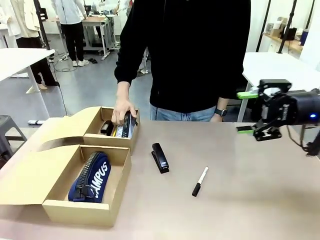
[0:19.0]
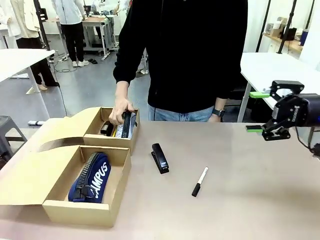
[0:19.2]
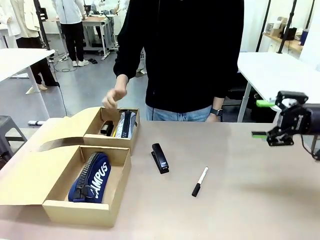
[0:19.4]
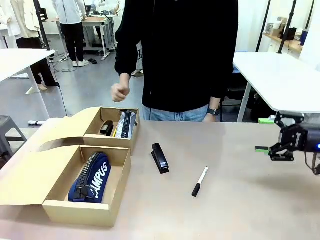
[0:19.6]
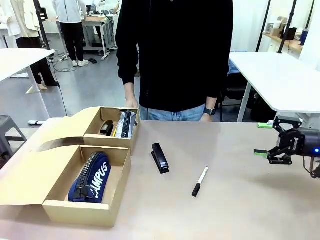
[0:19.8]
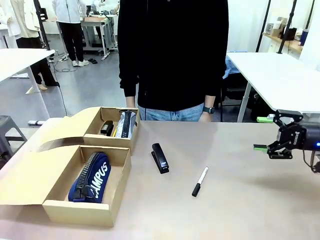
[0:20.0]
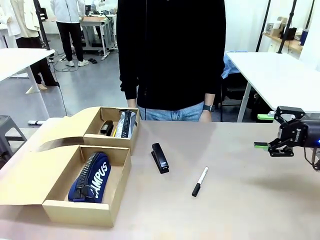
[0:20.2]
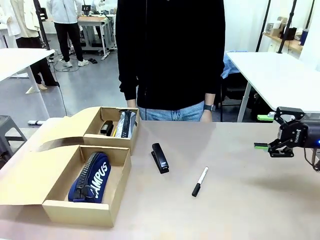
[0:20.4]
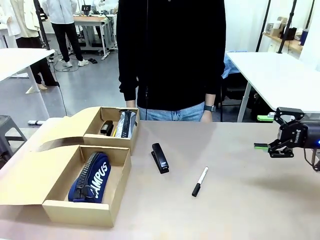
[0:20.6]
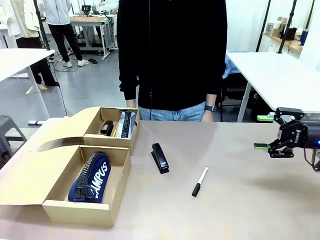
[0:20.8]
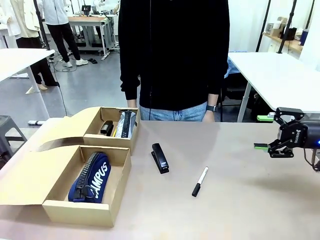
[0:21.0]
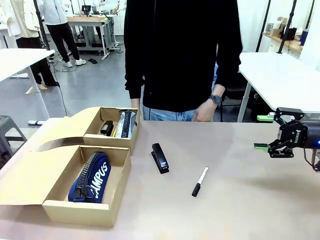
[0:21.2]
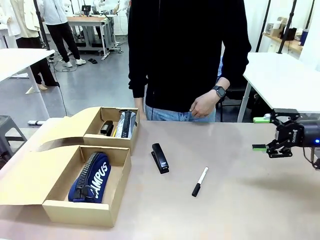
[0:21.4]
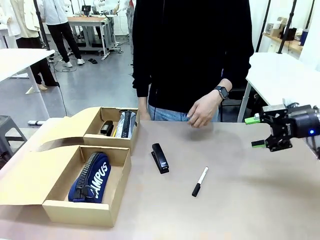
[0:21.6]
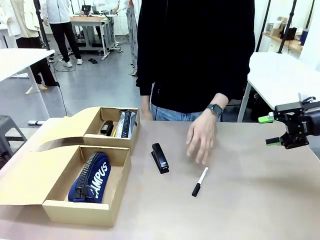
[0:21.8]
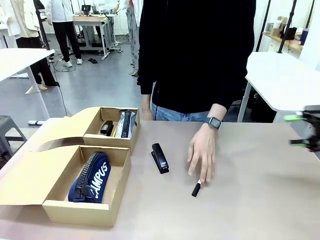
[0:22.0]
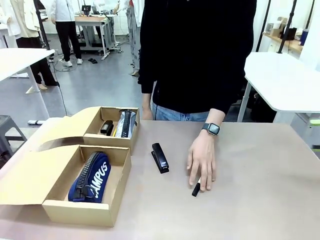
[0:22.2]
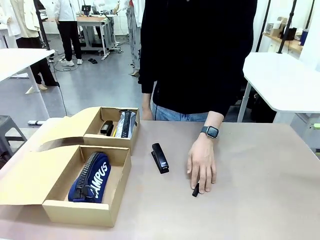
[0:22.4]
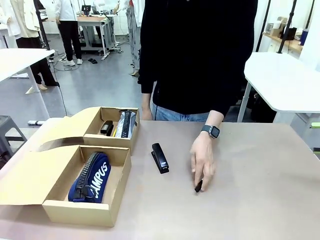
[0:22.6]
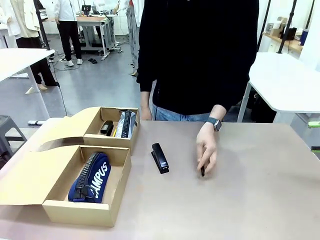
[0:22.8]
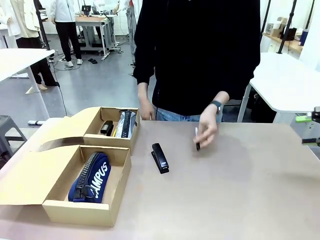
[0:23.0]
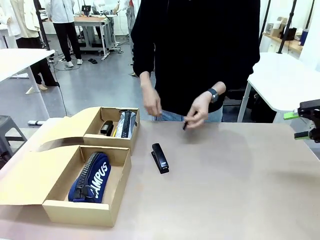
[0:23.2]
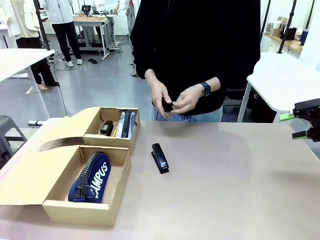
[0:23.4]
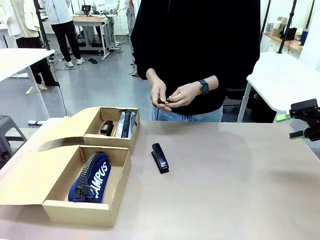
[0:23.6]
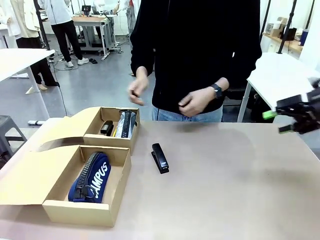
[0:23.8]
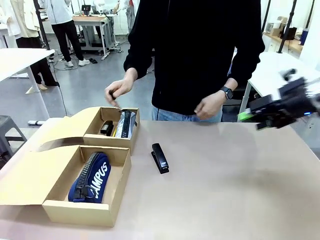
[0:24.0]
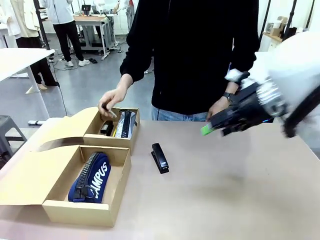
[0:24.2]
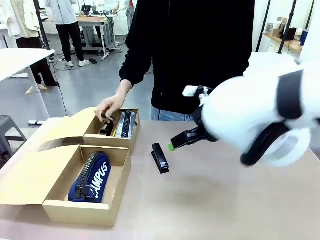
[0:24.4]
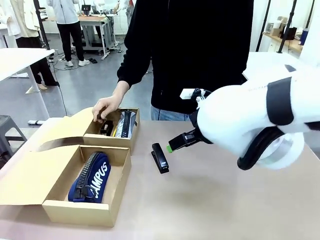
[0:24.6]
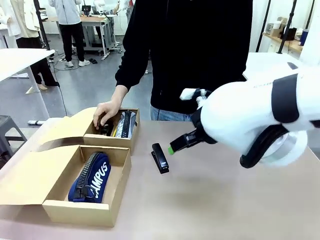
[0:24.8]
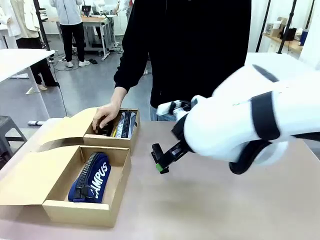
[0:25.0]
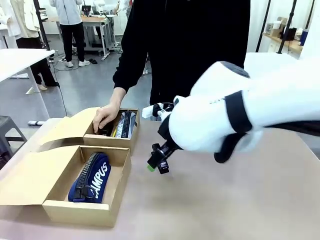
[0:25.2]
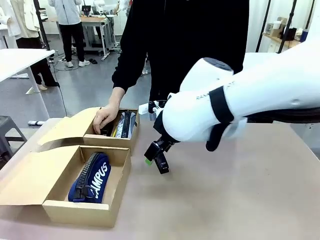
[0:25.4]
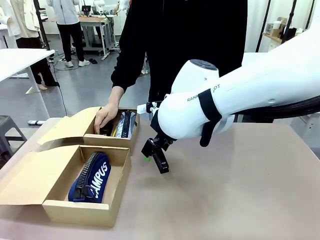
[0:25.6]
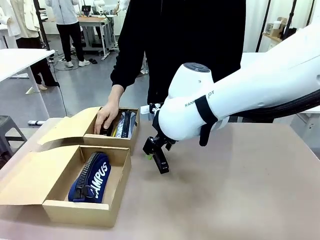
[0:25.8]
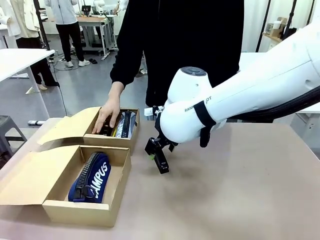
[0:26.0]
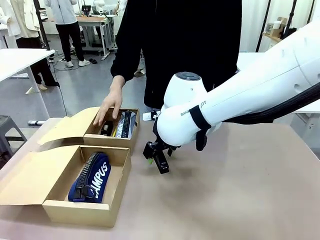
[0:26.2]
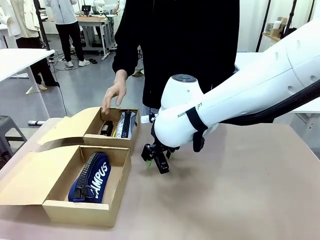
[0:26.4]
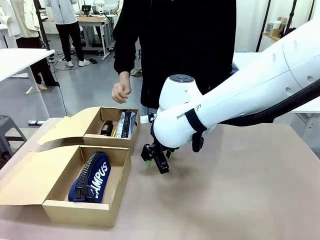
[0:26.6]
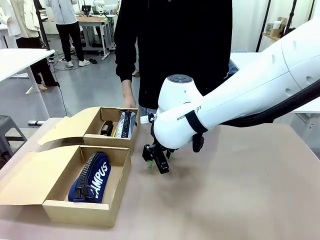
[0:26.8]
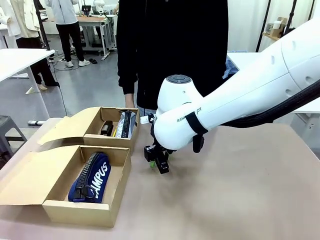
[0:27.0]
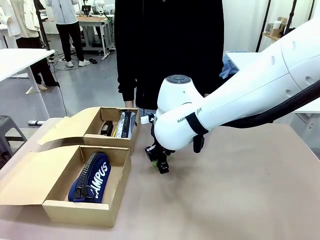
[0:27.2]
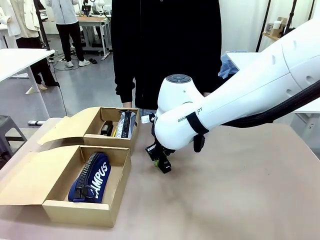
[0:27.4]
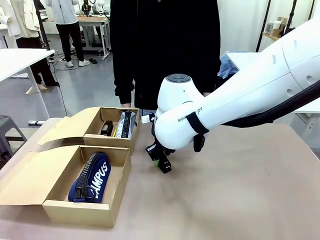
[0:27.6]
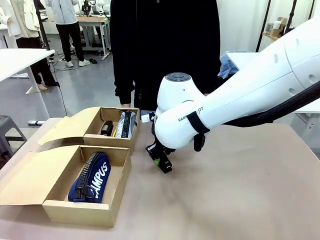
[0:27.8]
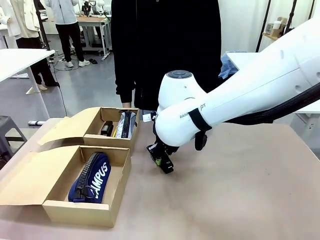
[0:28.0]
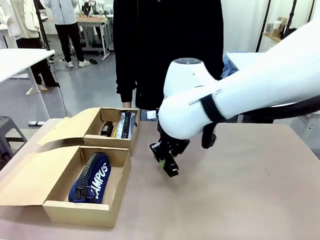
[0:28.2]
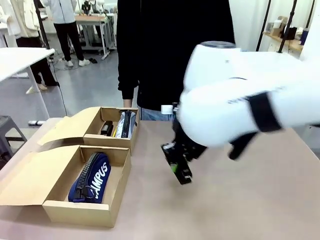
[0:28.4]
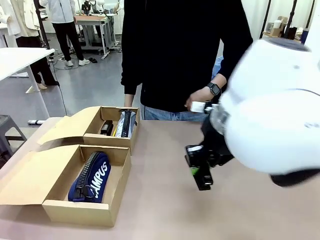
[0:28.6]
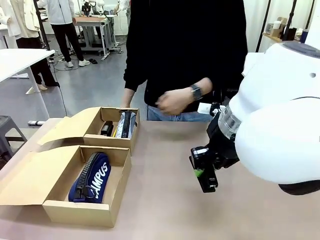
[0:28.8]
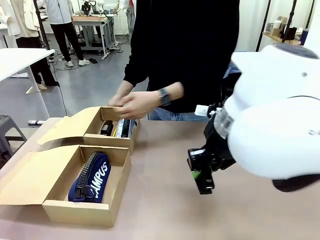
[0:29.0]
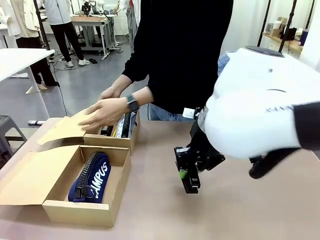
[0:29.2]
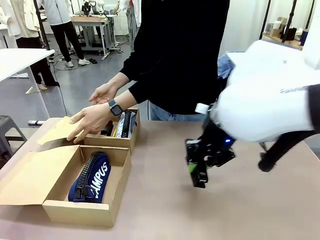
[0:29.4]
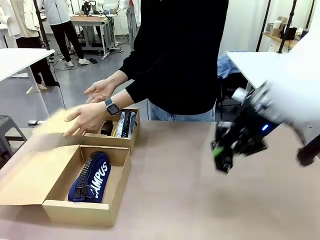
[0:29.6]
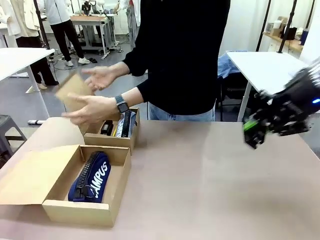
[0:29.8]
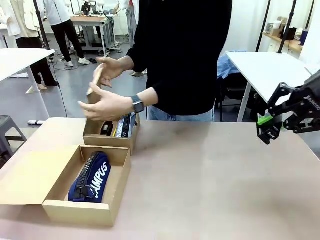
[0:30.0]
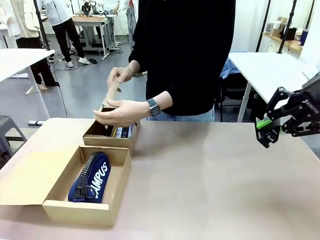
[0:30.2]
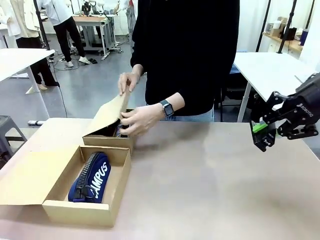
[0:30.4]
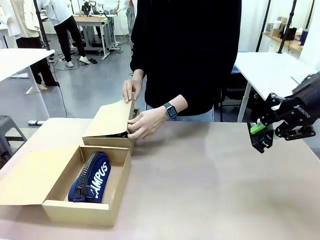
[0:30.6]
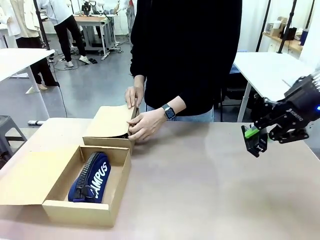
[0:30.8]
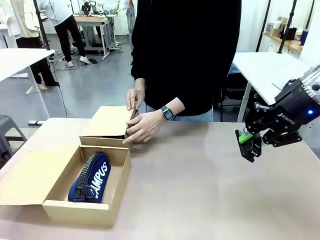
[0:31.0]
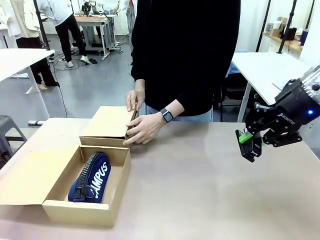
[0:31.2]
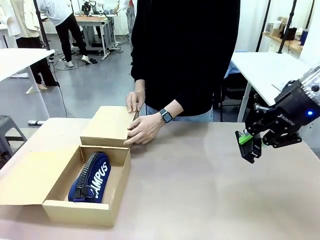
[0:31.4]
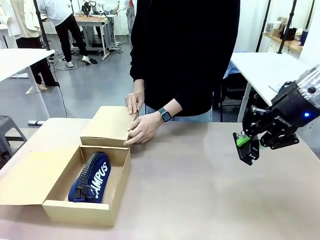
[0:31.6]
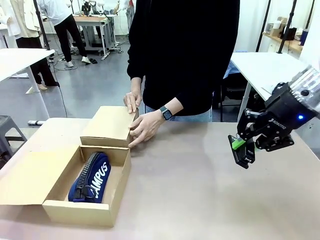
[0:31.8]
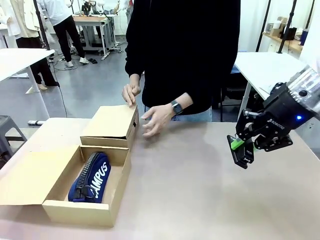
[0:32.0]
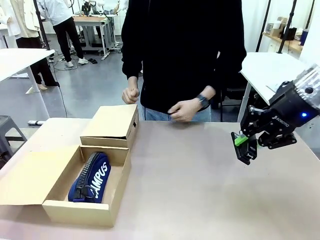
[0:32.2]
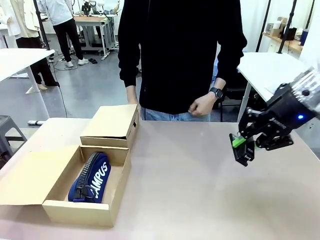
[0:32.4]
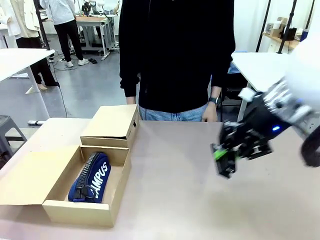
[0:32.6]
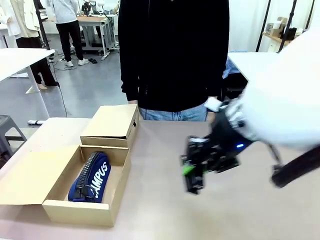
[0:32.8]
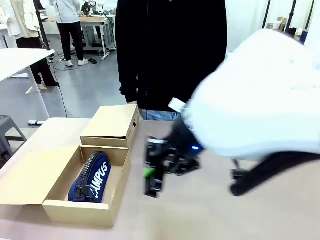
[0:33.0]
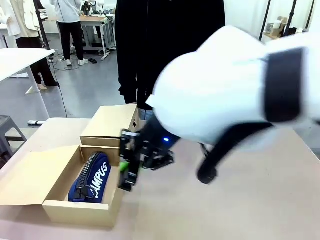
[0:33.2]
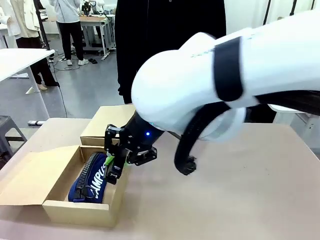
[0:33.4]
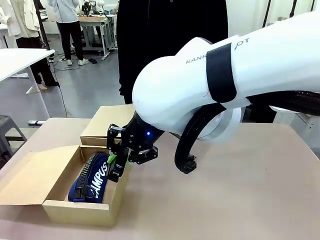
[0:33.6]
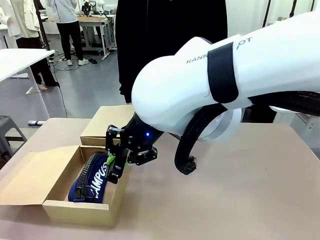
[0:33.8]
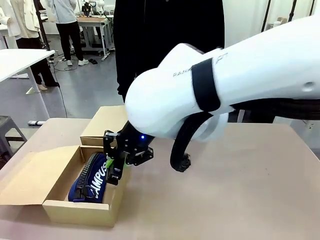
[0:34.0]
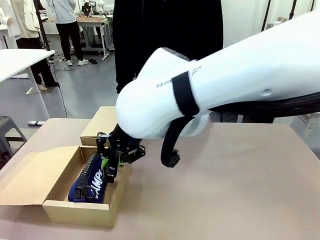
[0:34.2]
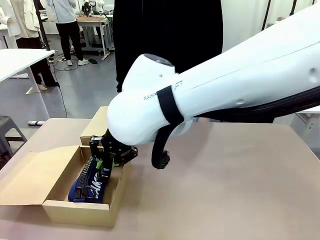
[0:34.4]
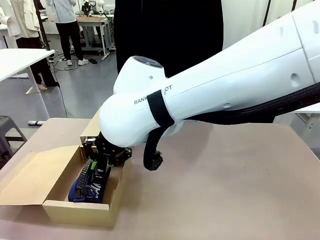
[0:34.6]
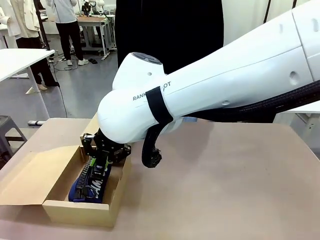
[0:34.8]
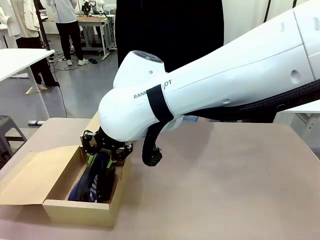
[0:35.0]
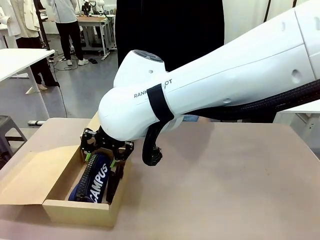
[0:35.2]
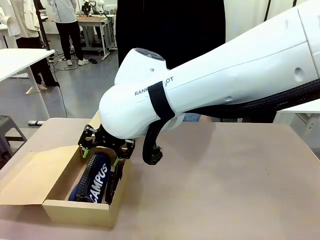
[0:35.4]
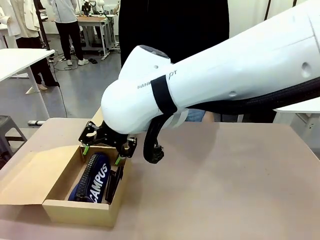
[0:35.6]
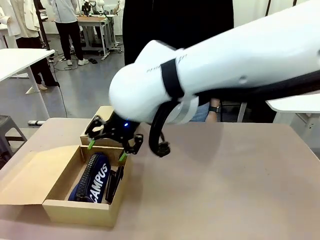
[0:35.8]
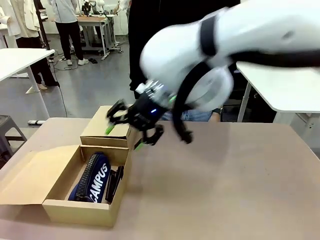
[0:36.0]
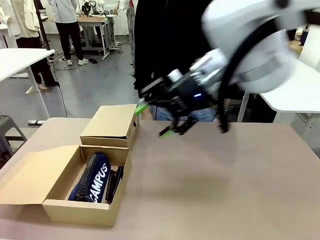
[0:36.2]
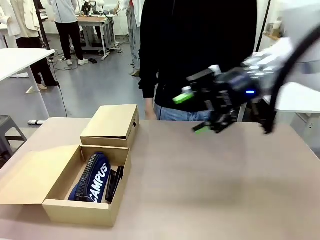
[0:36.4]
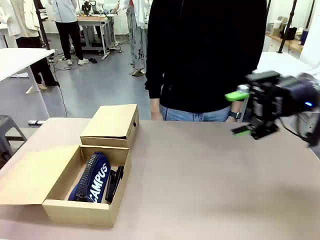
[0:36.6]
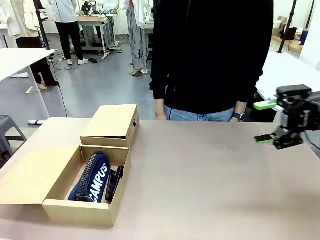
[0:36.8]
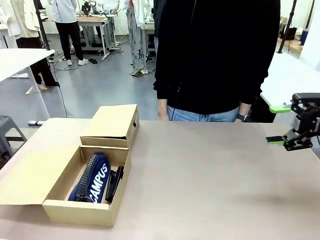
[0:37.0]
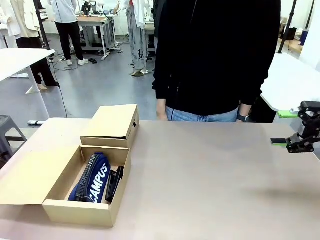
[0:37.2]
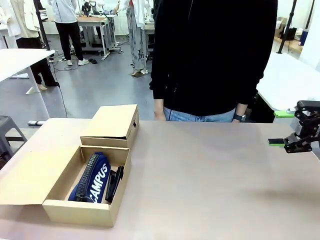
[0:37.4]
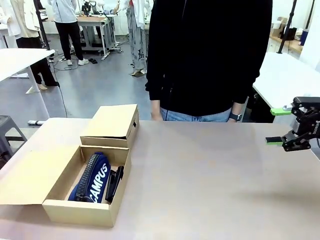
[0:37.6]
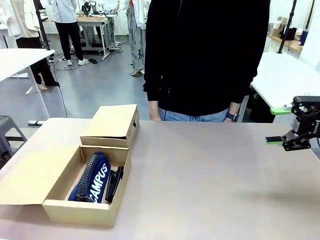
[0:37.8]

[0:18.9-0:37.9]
Task: Place items inside the box.
Robot: Pick up a Pencil pouch or Stapler and place it inside the Mailer Box closest to the robot.
